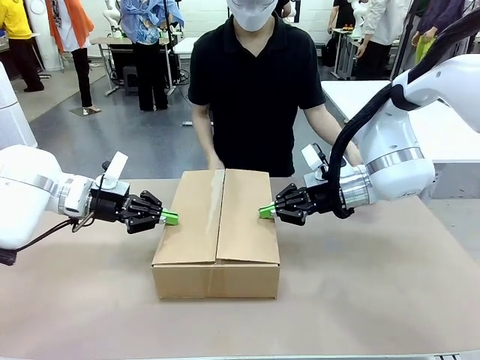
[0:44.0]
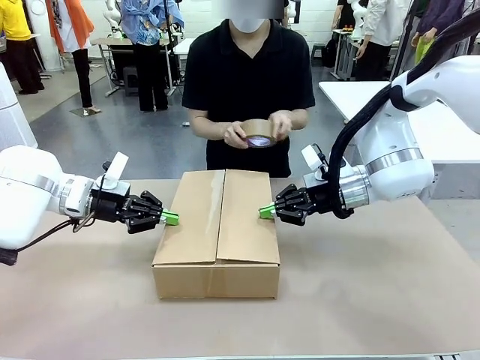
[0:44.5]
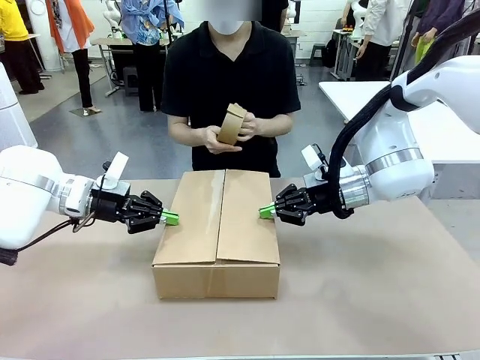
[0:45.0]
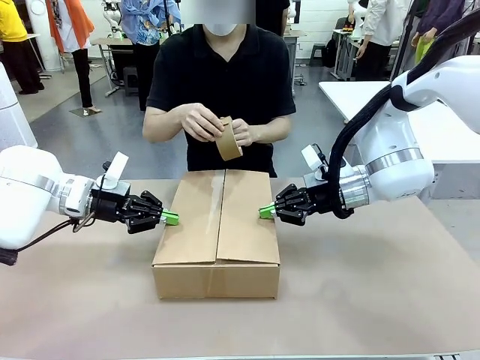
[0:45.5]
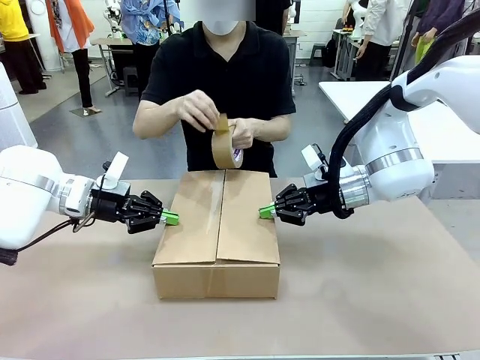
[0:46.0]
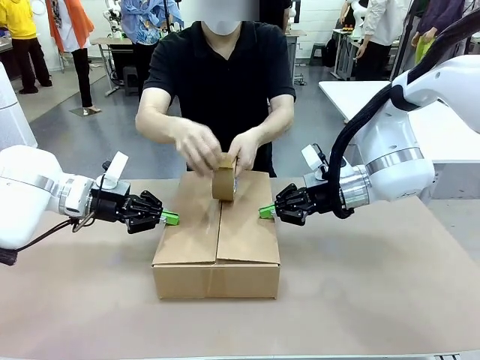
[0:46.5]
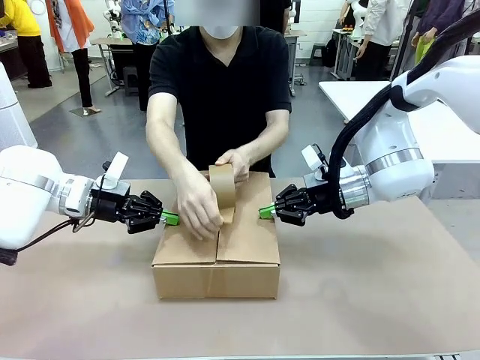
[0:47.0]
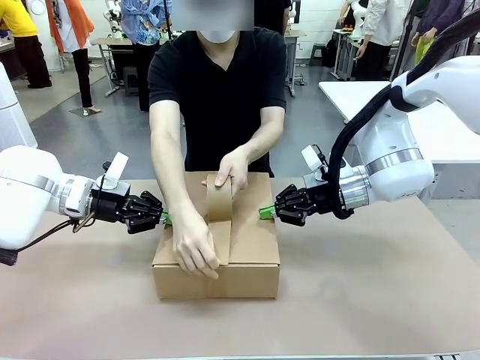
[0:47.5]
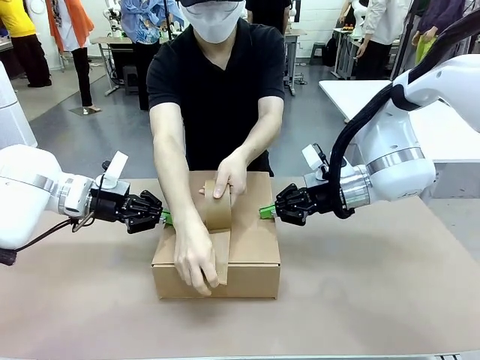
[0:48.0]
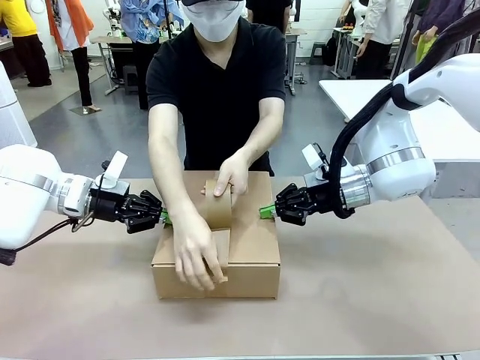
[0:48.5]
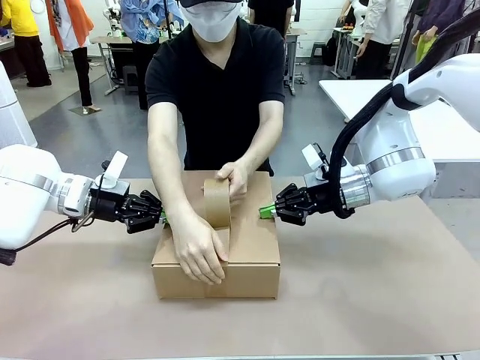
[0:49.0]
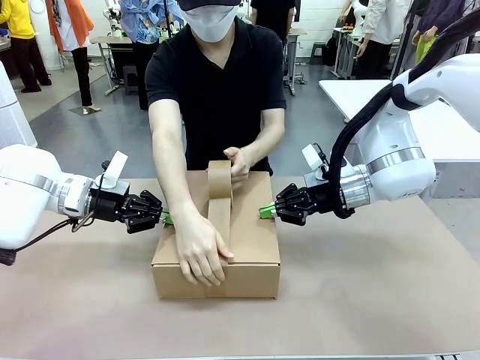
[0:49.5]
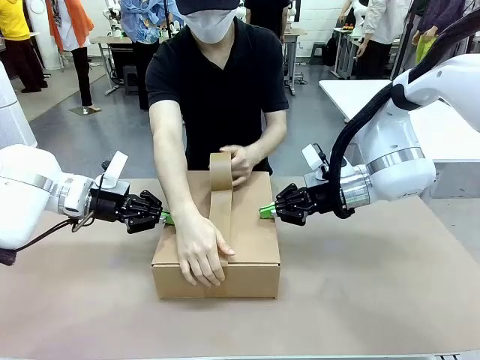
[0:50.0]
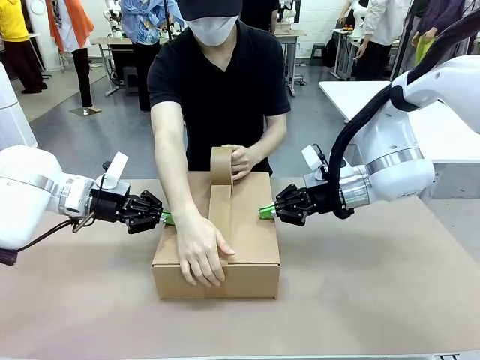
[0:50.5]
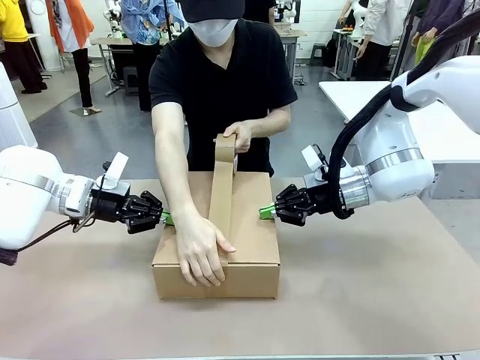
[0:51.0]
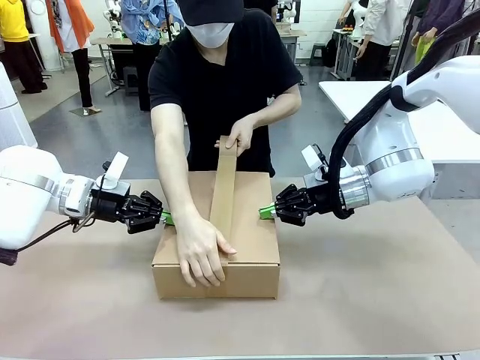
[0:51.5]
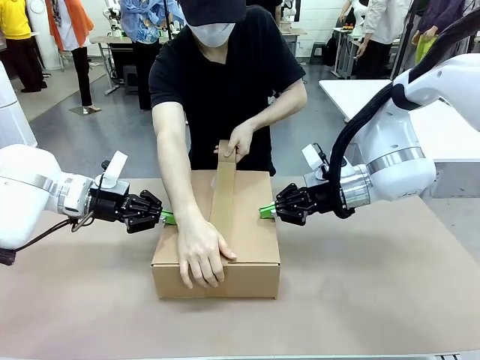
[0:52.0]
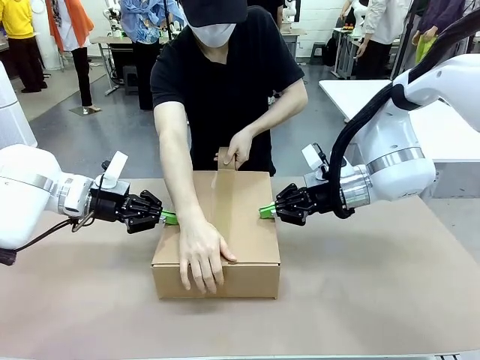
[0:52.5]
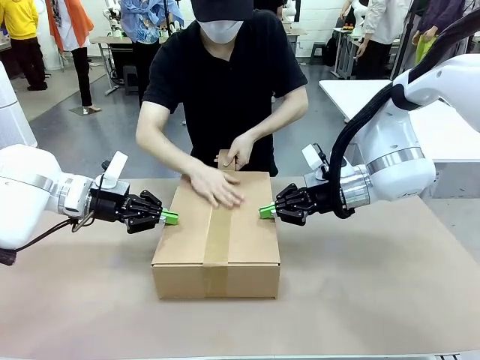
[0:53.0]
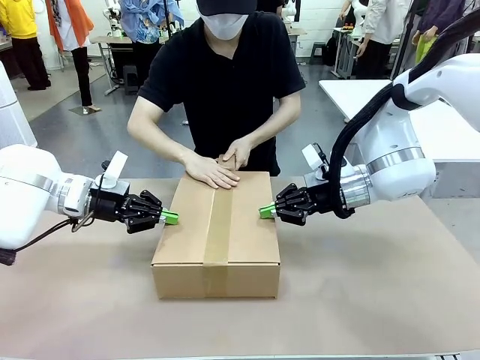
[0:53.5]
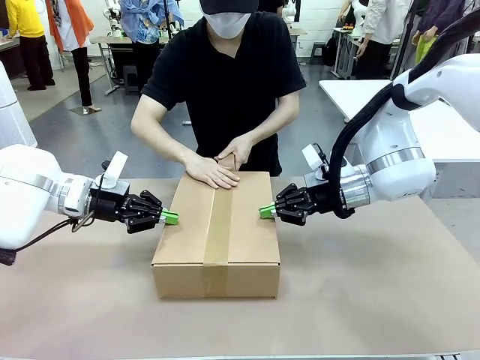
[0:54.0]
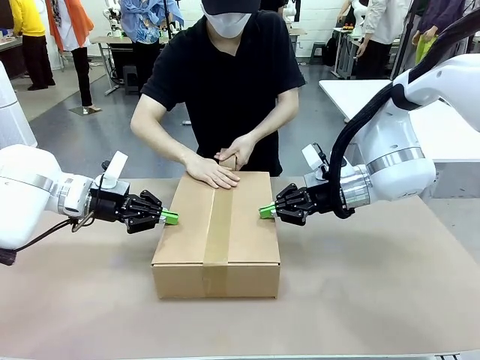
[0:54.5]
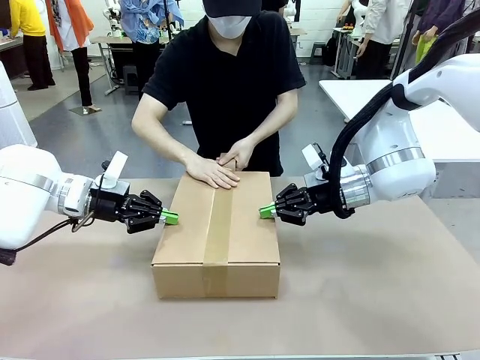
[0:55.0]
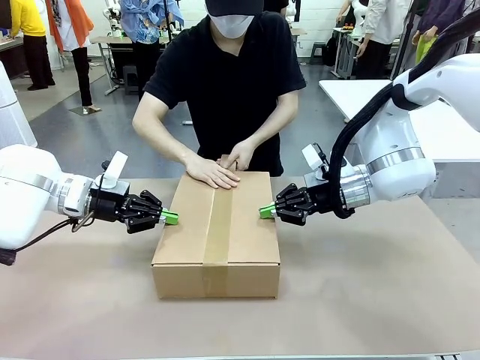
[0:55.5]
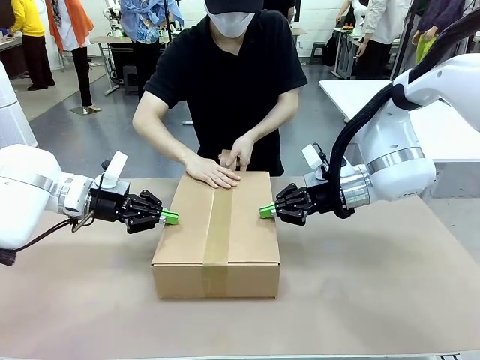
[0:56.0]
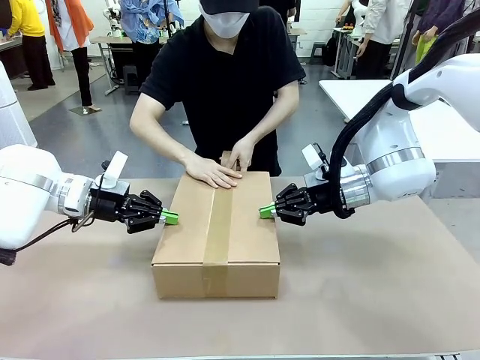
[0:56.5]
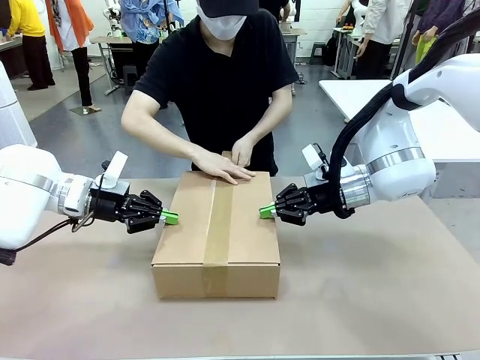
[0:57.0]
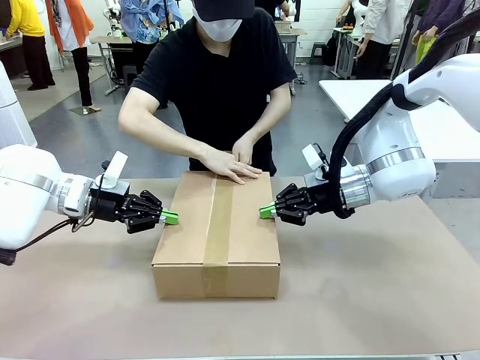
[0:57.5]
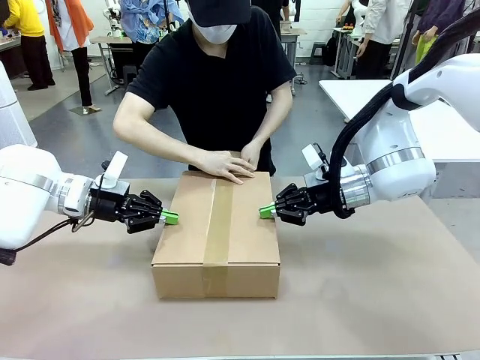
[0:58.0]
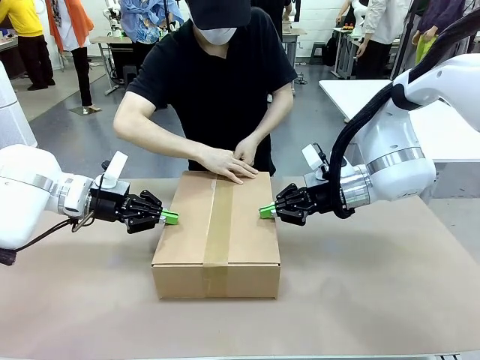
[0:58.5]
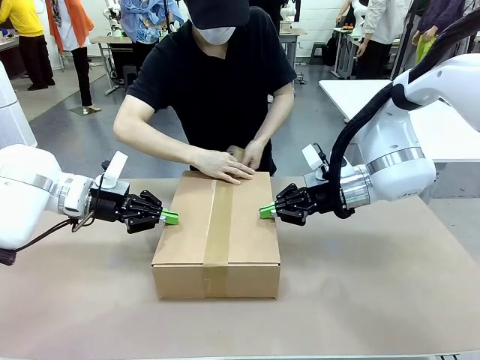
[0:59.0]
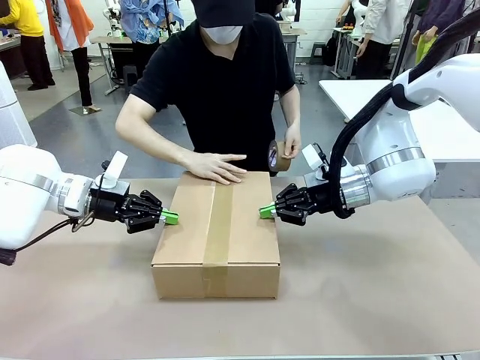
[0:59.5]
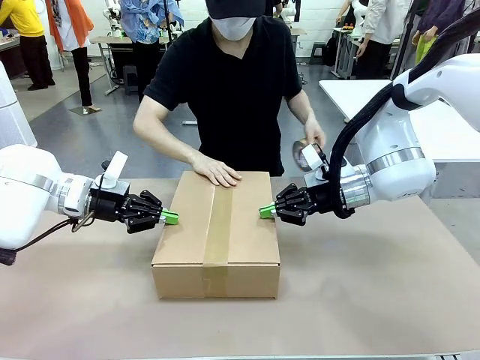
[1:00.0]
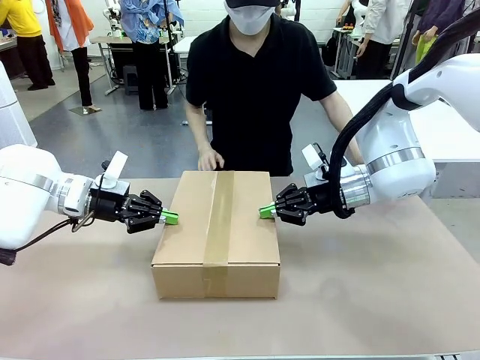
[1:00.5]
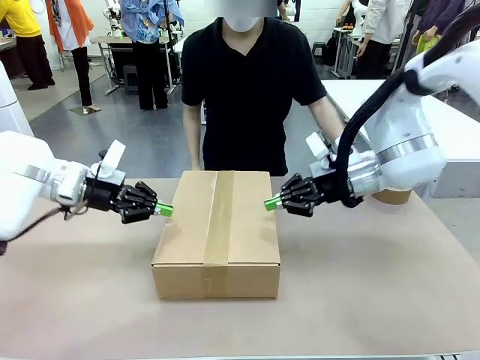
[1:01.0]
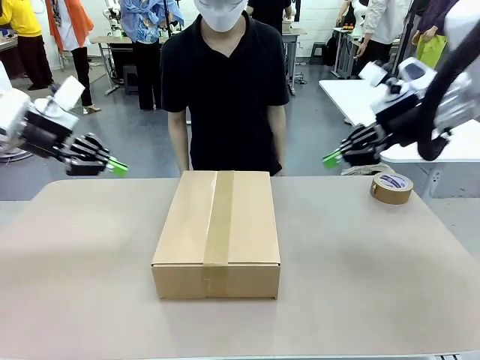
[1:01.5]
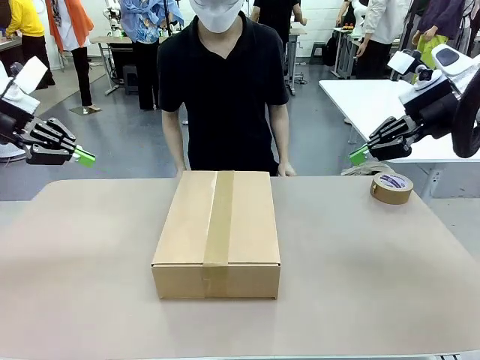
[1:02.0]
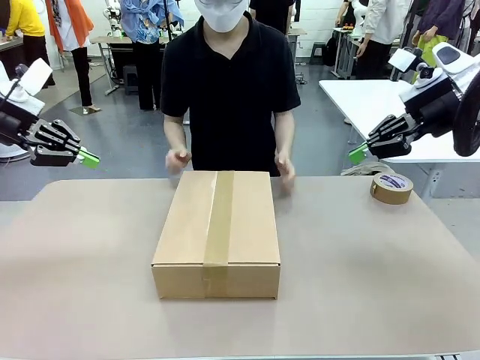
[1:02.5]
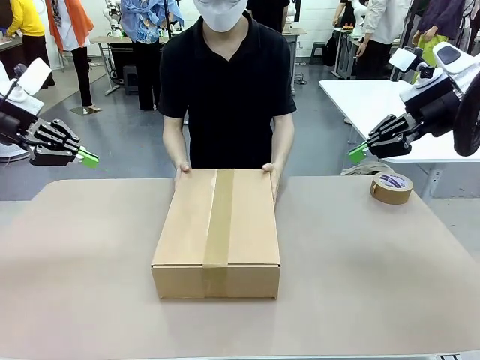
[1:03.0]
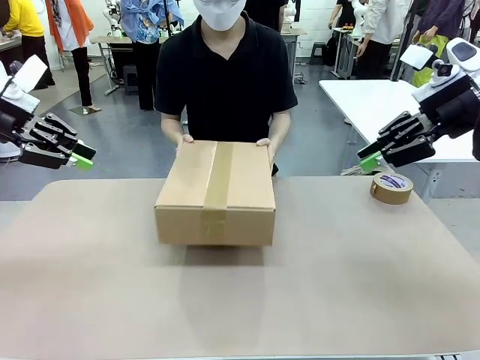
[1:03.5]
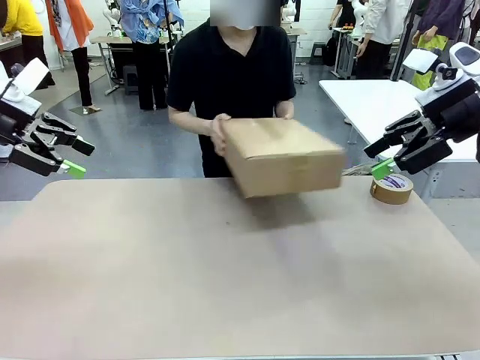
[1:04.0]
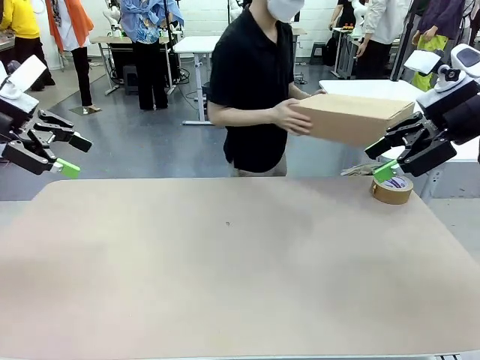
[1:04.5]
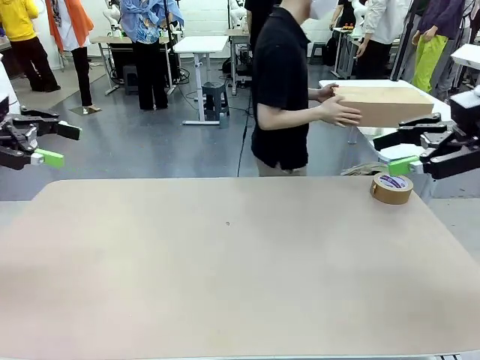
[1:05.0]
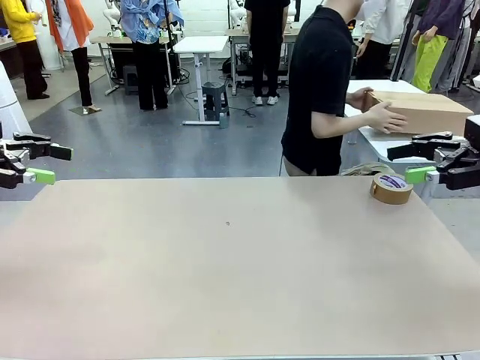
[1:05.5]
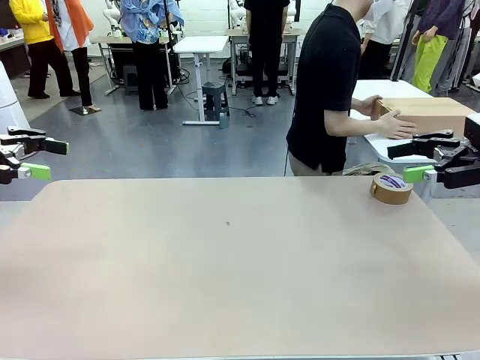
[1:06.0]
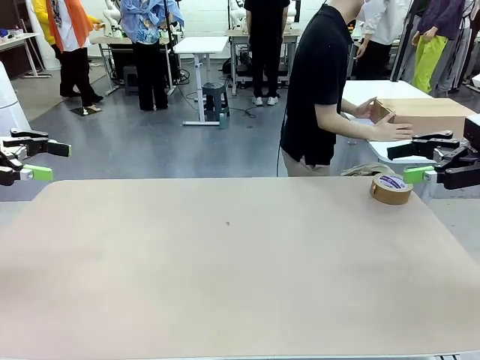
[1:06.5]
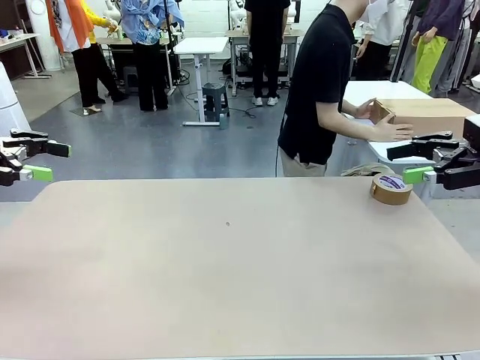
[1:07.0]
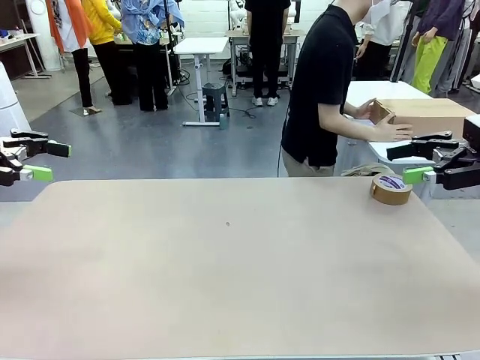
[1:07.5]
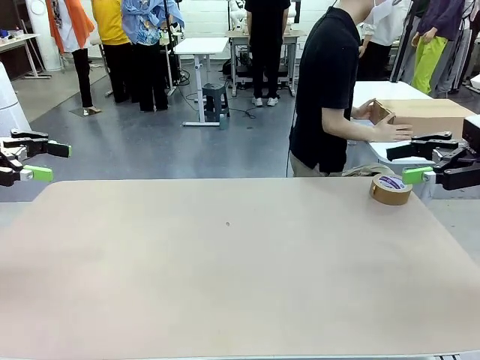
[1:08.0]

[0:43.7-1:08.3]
Task: Wrap the clocks to prevent damage.
Robot: After the human seals the box with tape, release both hands from the side flaps of the Package Box.
Person: Once the robot closes the left flap of the Package Box , seal the box with Paper Tape. Place sealed Package Box in the middle of the human's table.

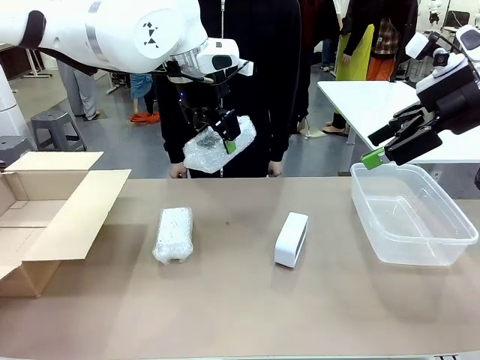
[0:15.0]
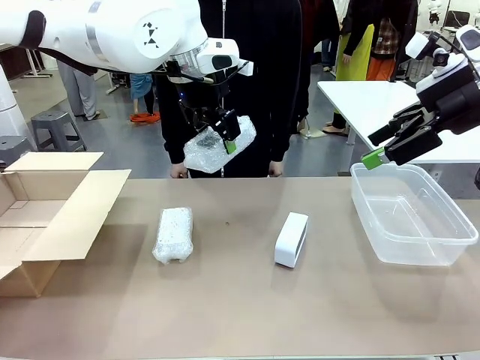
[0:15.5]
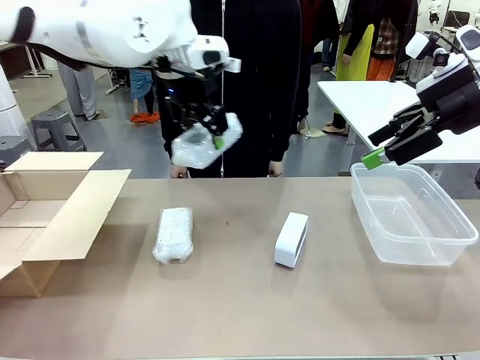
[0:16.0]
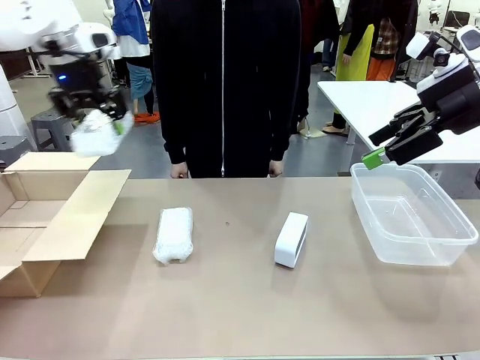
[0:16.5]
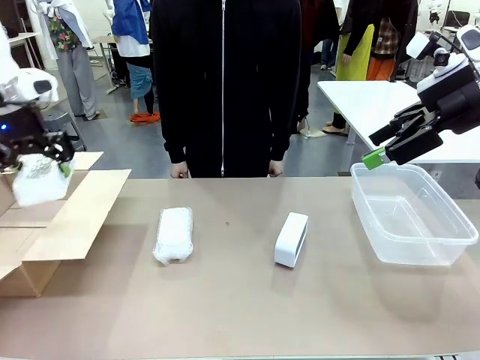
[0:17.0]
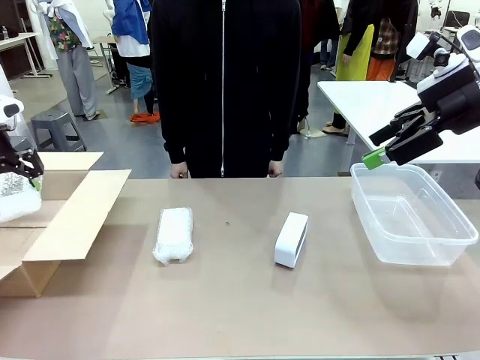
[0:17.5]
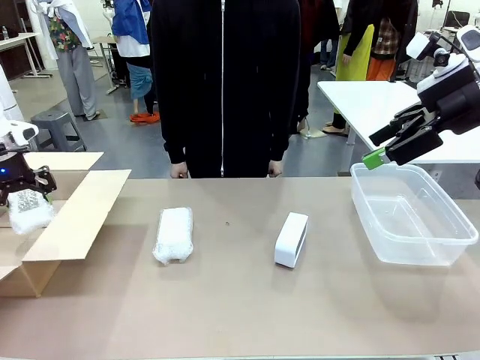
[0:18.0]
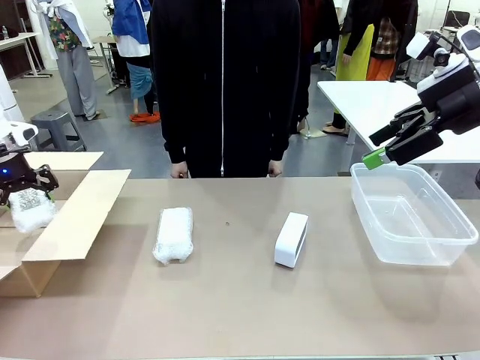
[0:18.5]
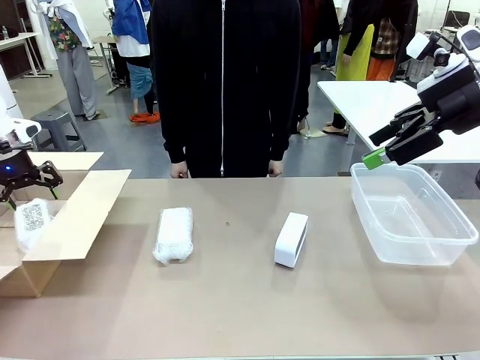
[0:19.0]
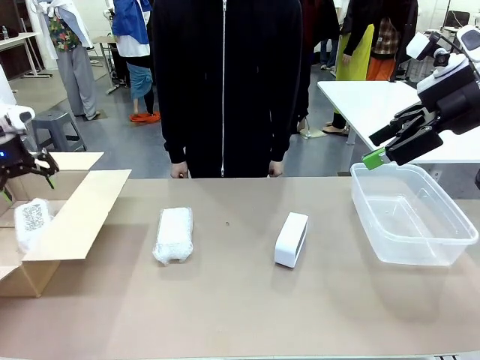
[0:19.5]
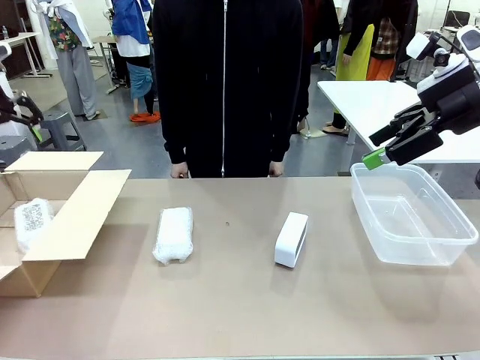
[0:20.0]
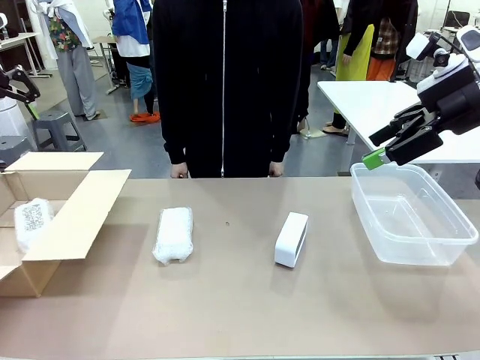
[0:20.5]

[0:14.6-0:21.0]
Task: Separate and place wrapped and unwrapped clocks.
Robot: If the picked Digital clock is wrapped, place it in the Package Box ; if not, place it in the Organizing box.
